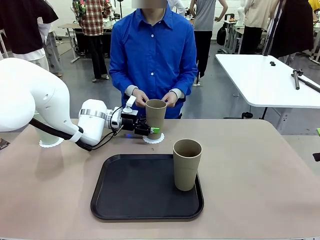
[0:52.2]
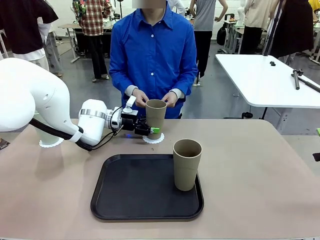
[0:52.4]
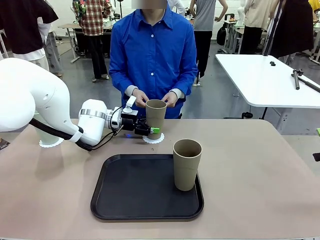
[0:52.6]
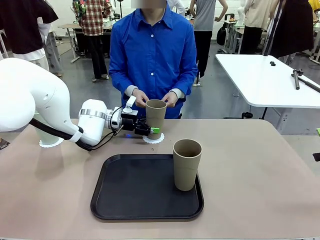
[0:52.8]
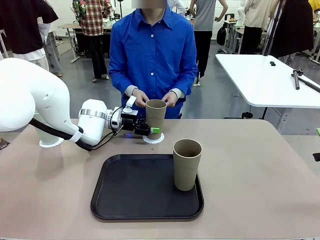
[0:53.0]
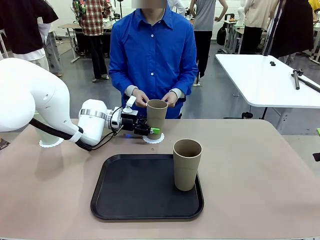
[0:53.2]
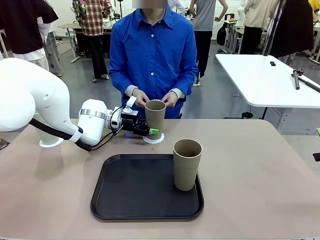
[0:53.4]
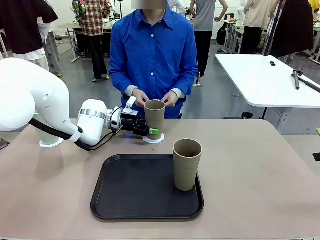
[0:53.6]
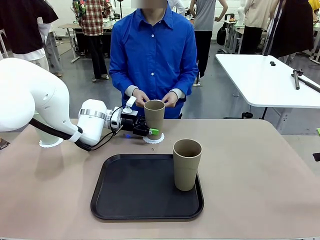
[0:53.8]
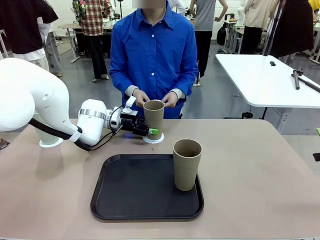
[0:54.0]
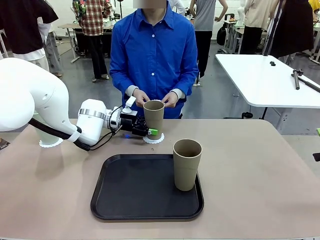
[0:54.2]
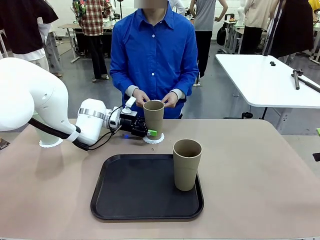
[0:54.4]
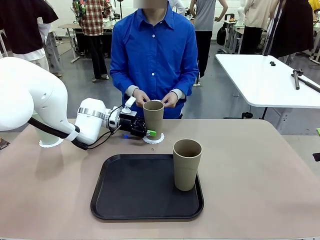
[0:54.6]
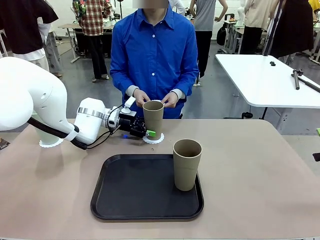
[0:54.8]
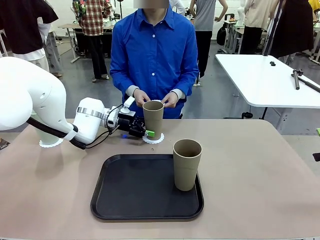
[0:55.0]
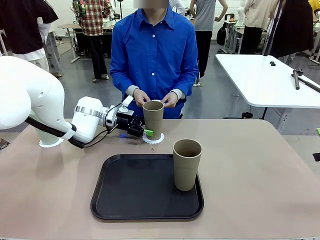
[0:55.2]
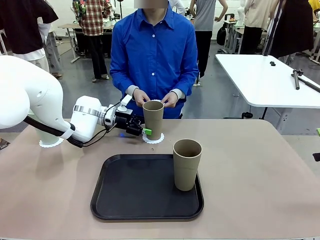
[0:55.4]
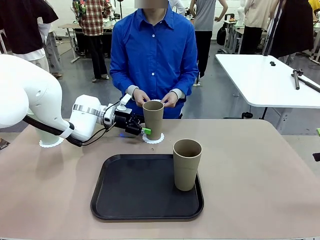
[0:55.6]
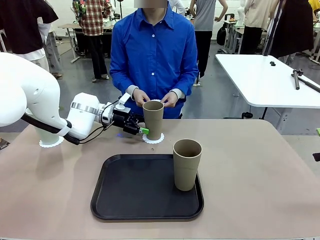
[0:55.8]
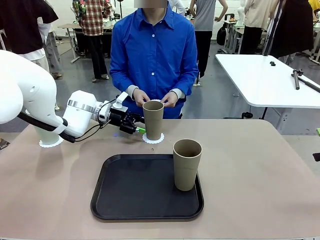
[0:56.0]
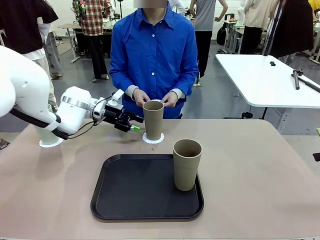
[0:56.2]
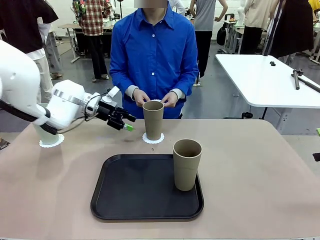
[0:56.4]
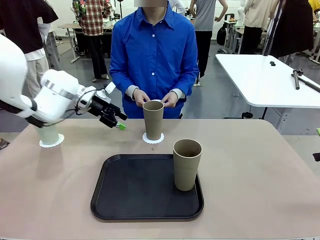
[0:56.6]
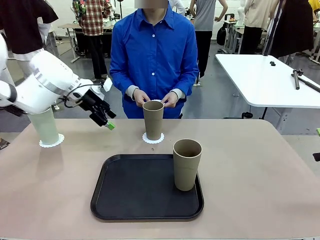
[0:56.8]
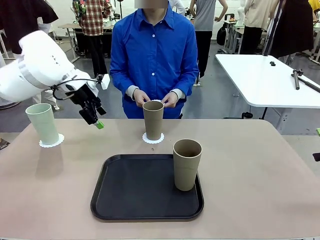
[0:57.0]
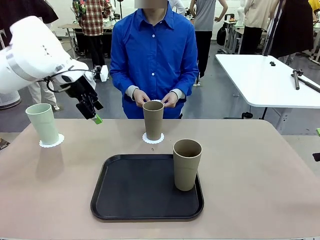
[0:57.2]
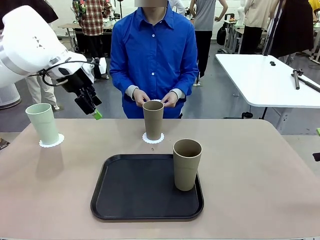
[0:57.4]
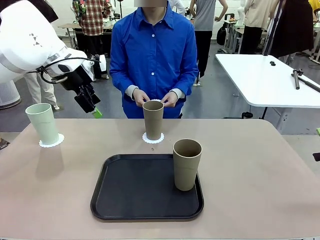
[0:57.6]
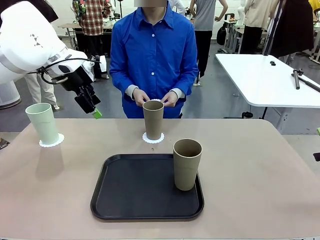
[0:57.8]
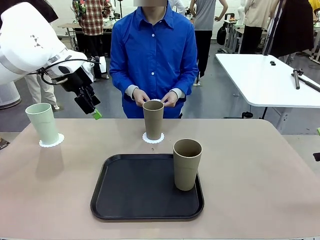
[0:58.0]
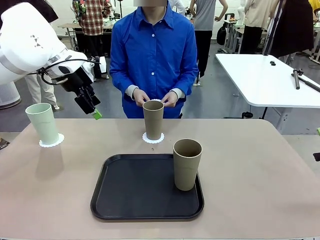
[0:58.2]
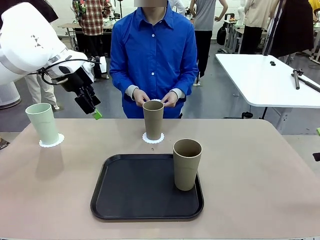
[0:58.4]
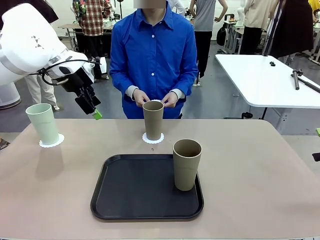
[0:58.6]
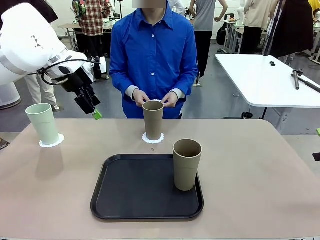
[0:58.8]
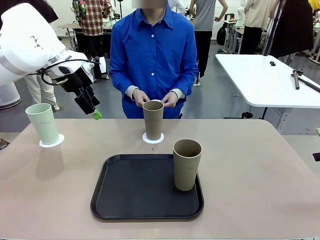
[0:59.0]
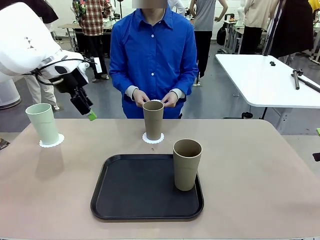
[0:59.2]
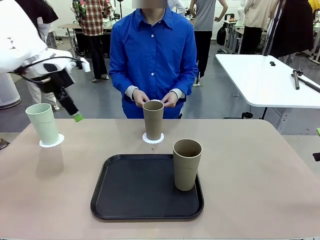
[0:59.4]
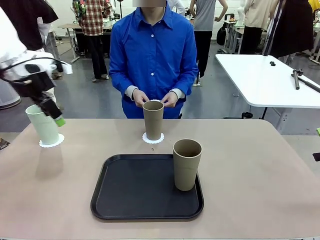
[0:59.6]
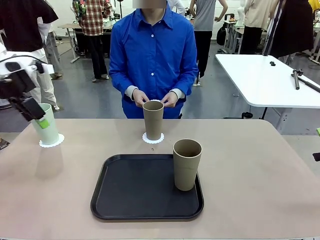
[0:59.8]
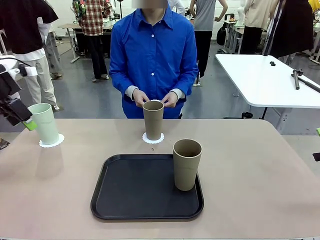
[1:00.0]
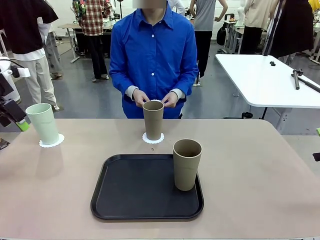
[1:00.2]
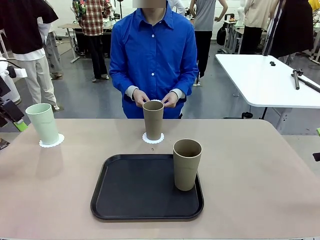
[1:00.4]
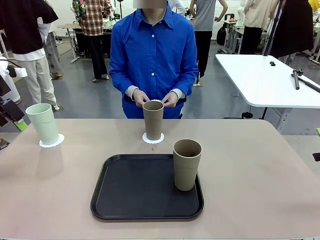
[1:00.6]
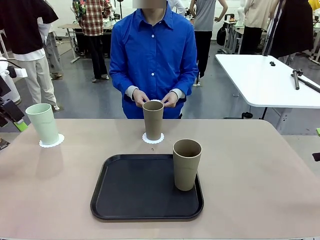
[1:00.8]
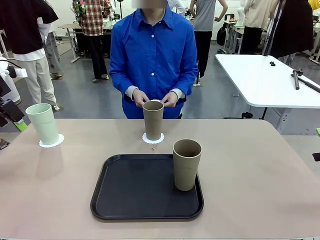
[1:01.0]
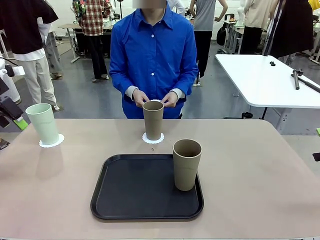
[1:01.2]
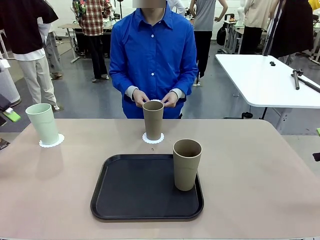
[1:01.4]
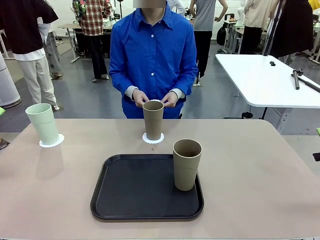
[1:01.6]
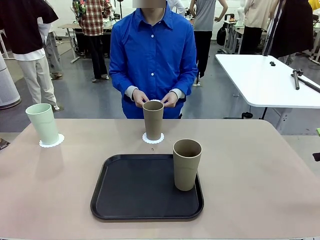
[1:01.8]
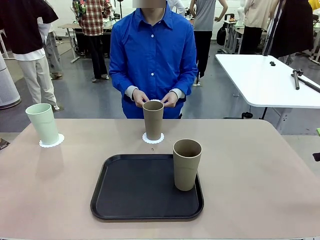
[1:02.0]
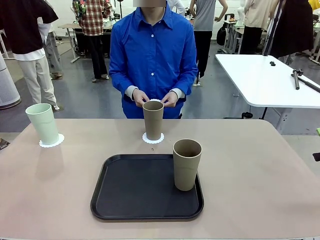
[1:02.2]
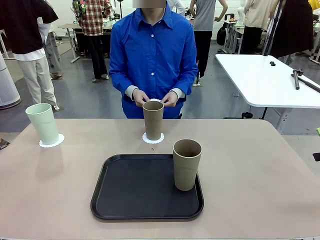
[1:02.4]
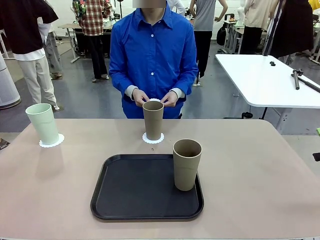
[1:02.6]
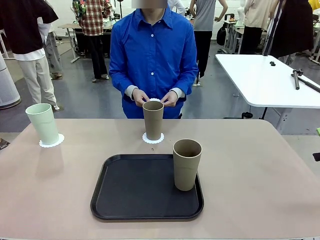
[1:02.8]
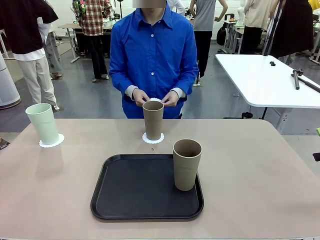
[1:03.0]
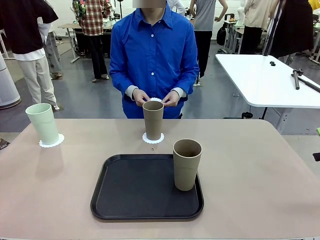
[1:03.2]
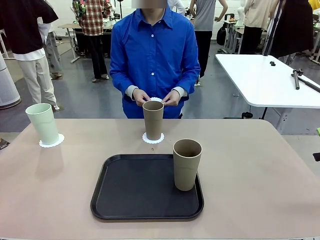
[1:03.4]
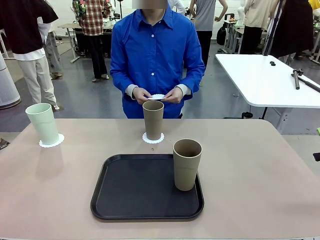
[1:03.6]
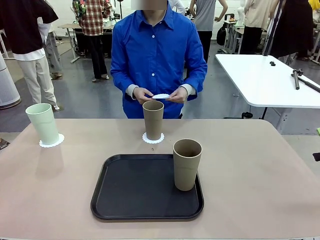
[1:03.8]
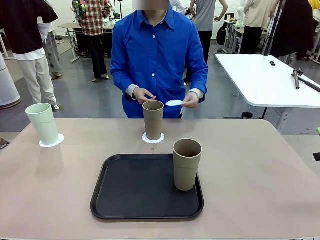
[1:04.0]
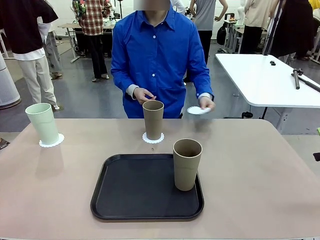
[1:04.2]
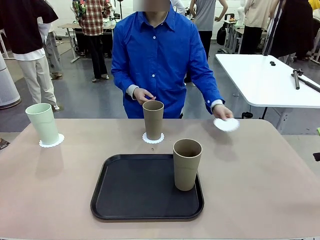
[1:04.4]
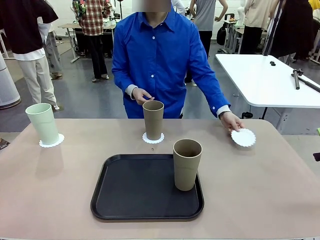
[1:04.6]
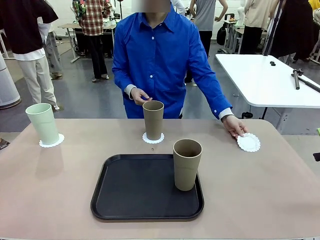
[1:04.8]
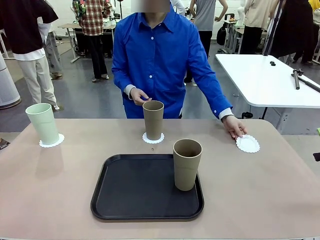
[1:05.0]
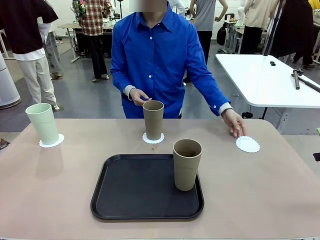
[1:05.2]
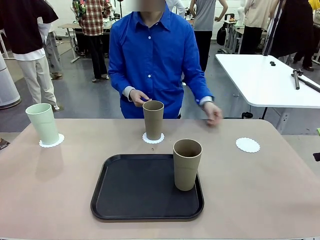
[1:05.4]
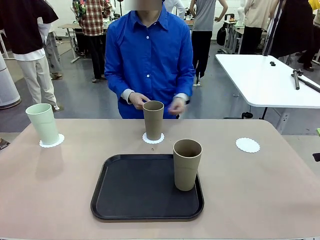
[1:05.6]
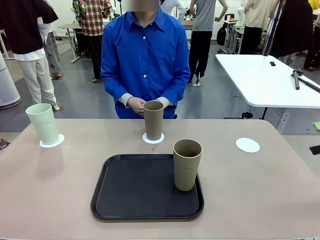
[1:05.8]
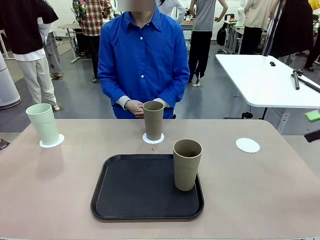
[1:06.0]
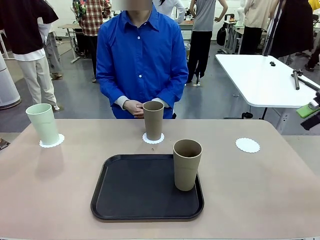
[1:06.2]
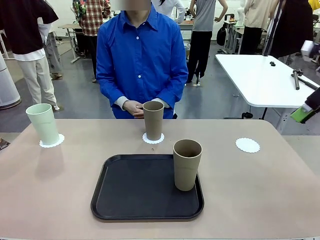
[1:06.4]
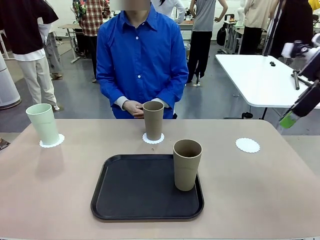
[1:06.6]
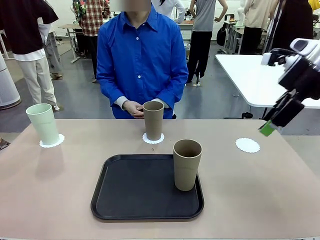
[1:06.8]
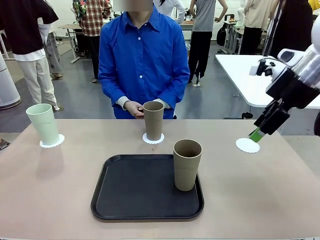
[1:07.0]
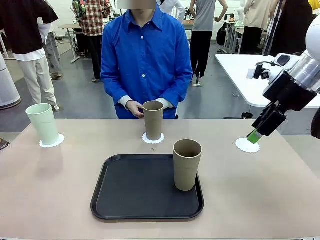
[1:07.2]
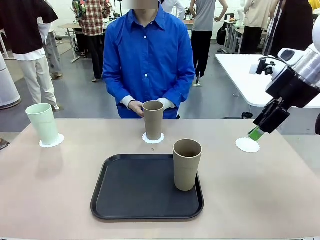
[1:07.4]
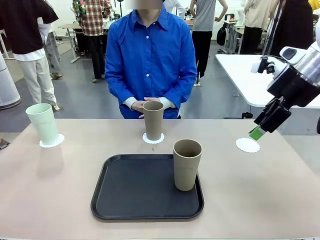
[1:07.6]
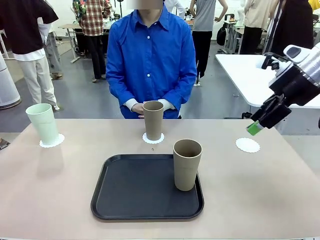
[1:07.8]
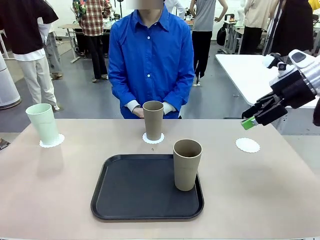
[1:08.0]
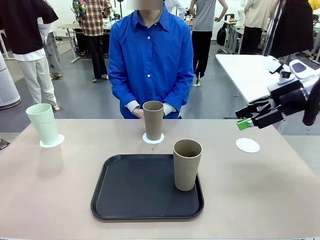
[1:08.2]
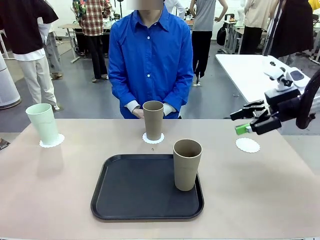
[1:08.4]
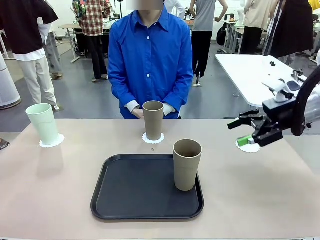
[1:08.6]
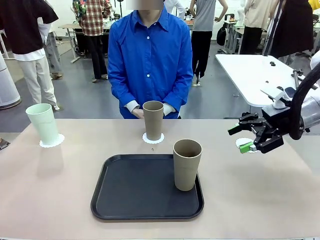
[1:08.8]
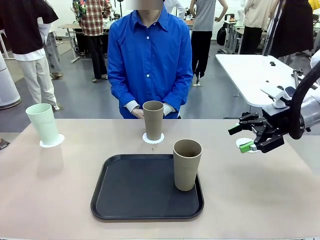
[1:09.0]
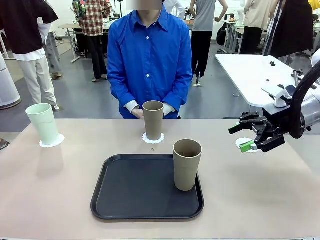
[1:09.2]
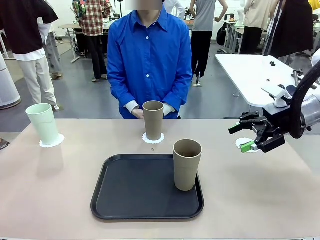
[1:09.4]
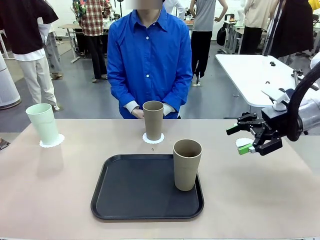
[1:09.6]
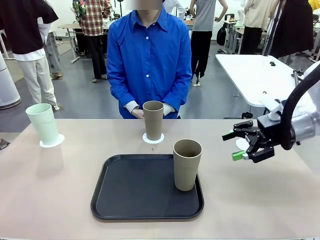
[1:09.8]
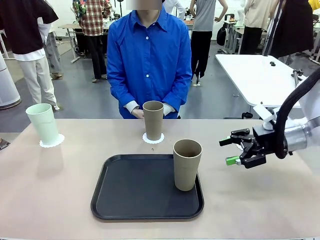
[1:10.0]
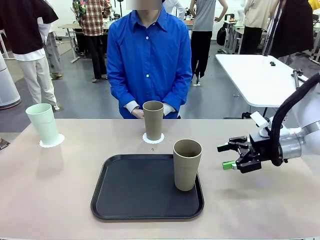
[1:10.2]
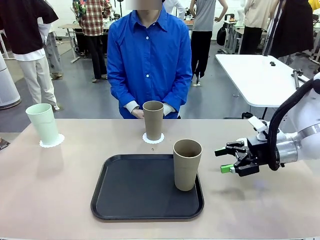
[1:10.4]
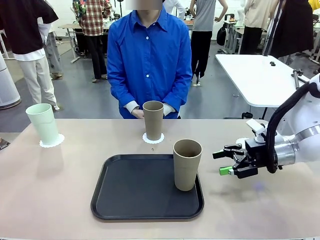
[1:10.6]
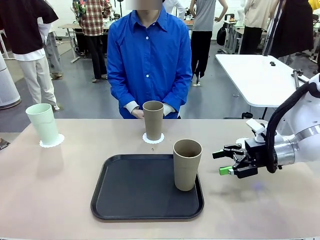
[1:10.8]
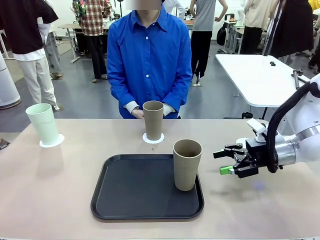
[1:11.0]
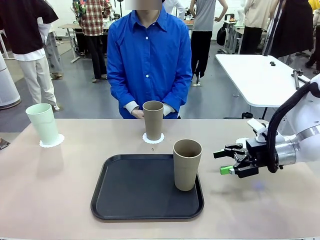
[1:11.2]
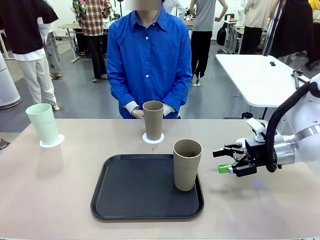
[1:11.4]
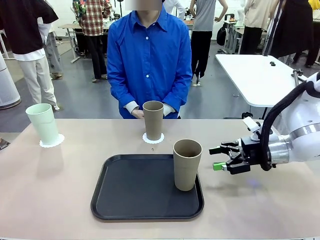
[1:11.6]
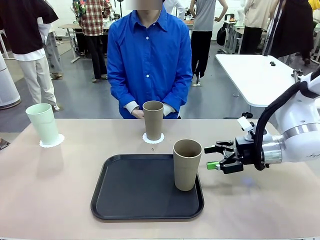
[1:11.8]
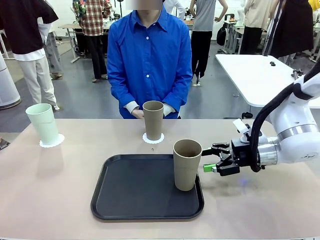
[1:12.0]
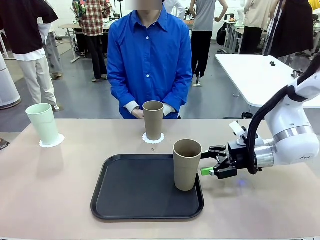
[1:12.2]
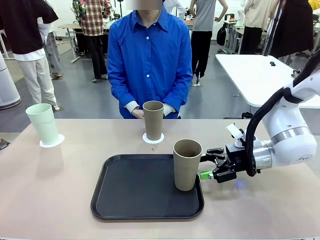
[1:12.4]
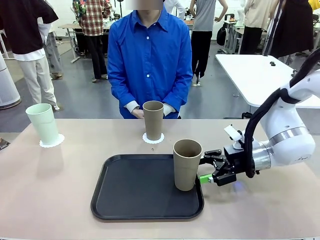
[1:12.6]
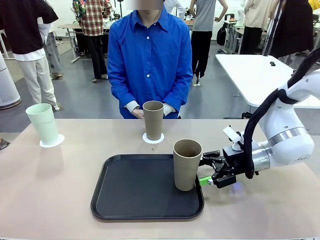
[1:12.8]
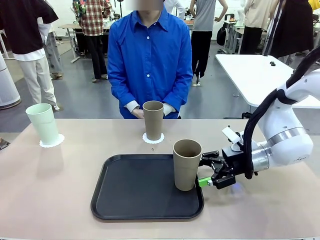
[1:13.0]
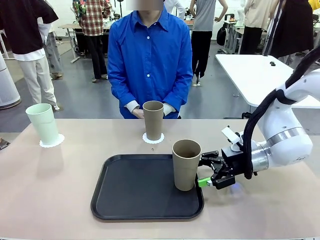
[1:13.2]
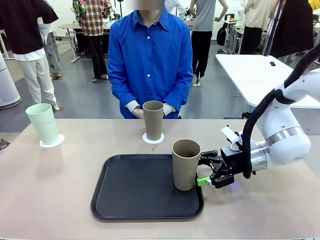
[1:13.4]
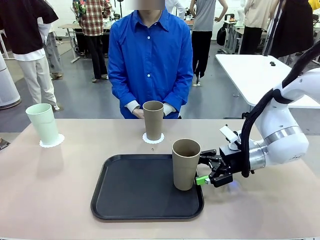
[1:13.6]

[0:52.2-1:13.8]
Task: Place coasters on the table and set cups on them.
Robot: Take one Reusable plastic cup from the Flat Tray and place it on a coaster set by the human.
